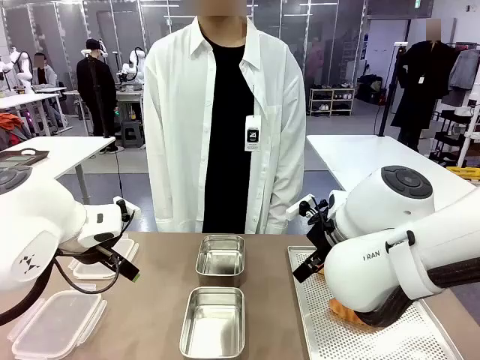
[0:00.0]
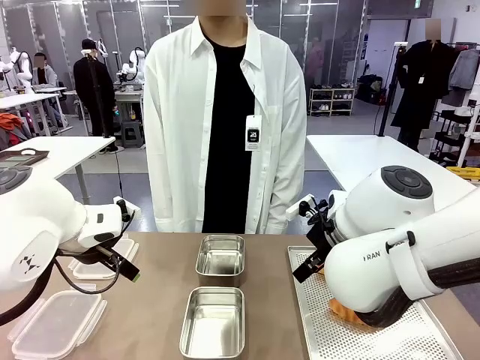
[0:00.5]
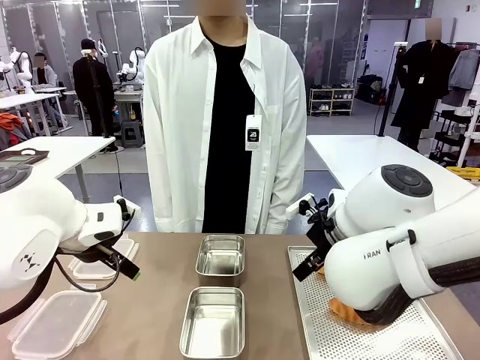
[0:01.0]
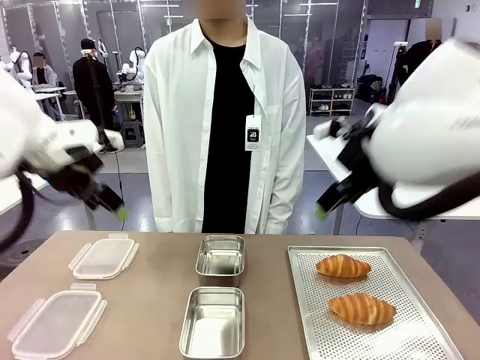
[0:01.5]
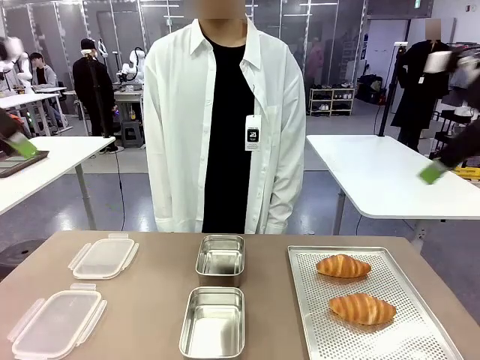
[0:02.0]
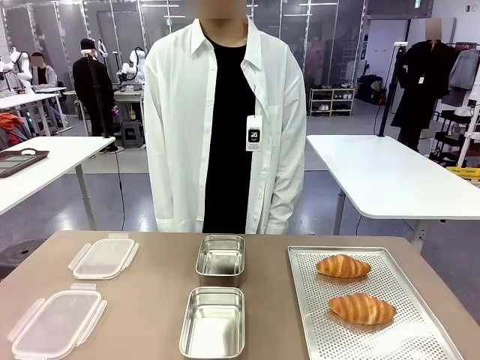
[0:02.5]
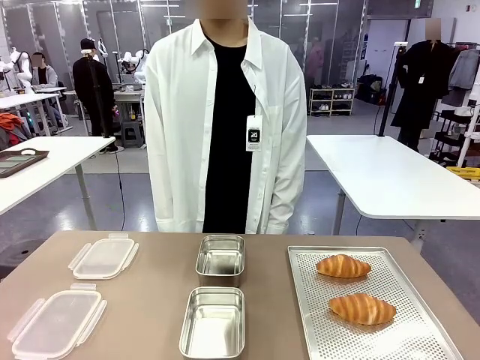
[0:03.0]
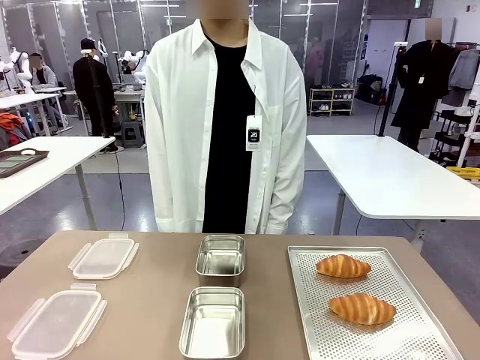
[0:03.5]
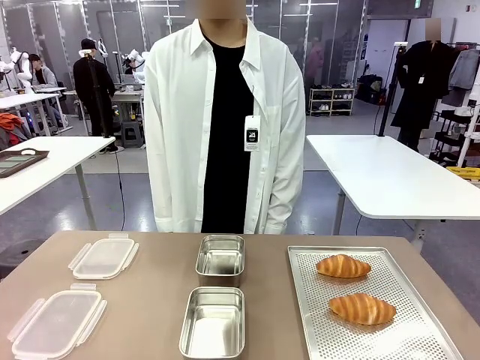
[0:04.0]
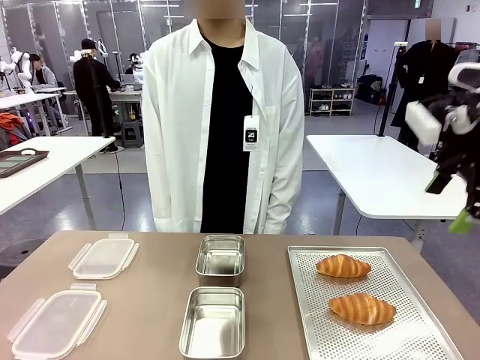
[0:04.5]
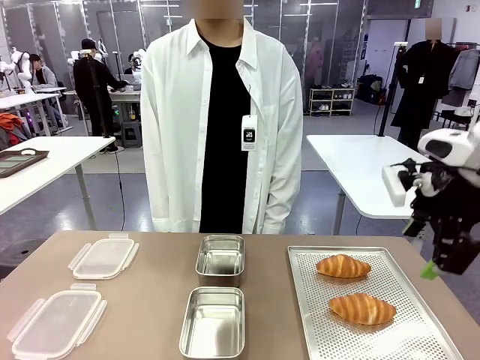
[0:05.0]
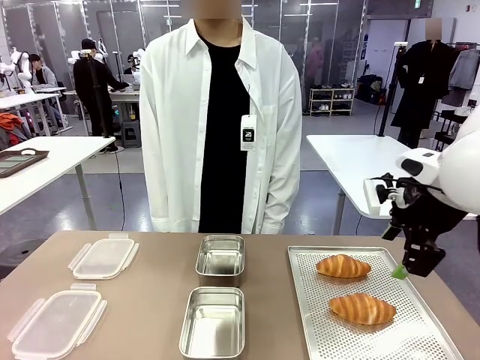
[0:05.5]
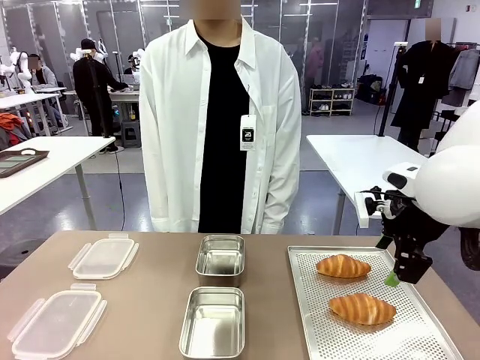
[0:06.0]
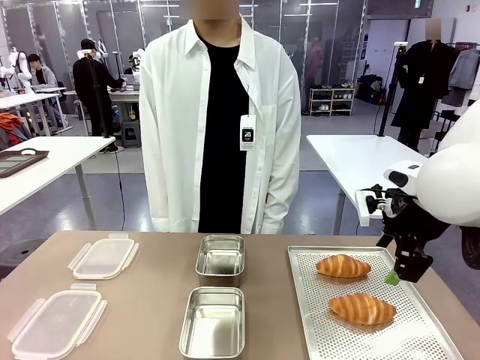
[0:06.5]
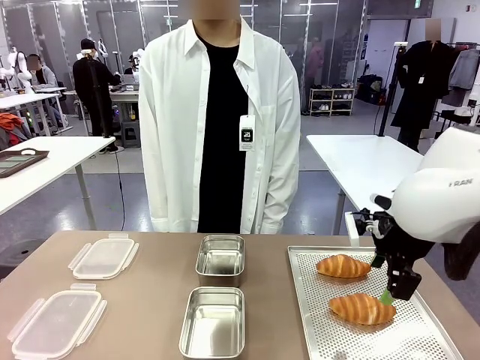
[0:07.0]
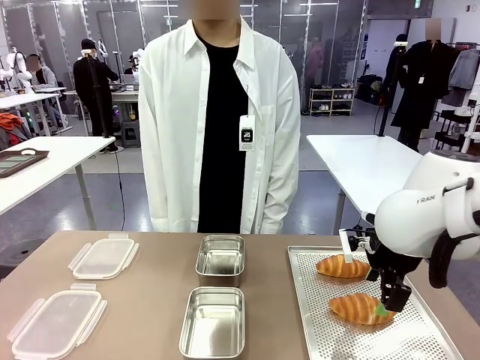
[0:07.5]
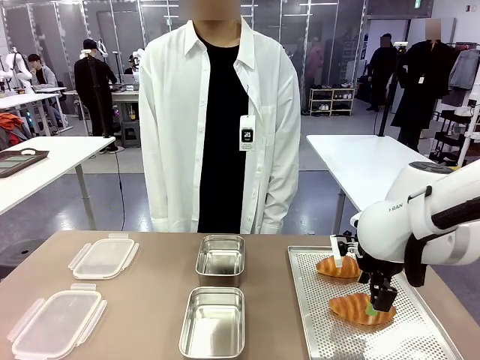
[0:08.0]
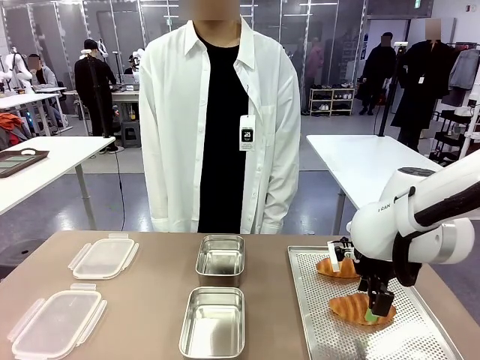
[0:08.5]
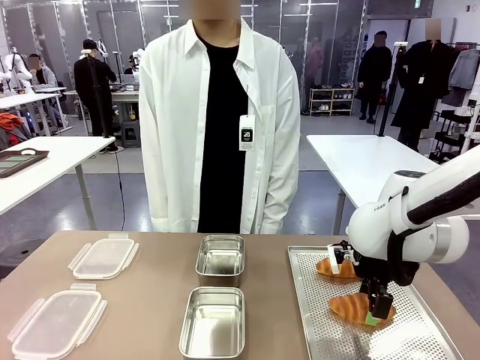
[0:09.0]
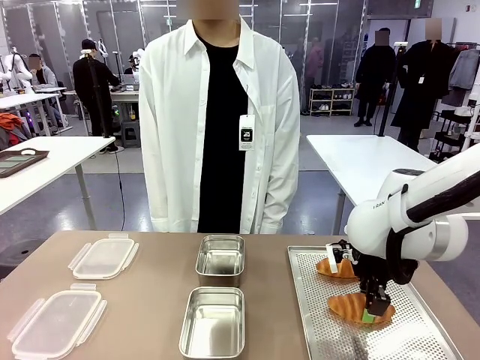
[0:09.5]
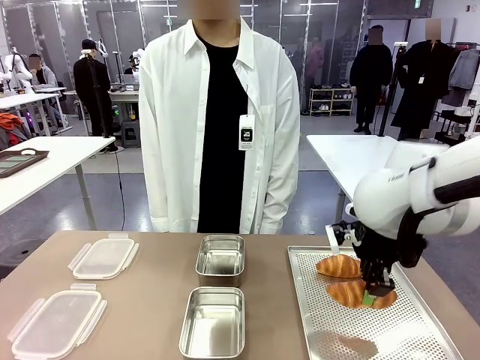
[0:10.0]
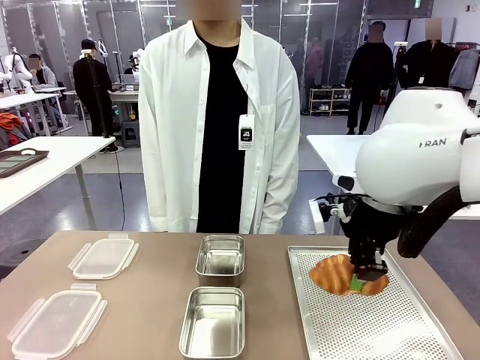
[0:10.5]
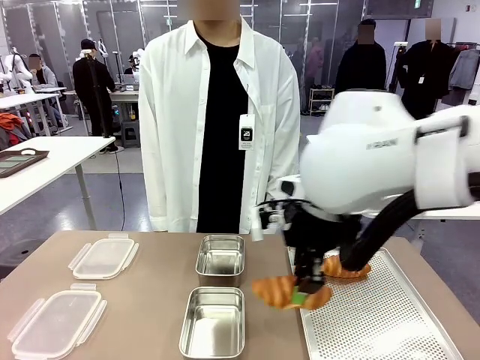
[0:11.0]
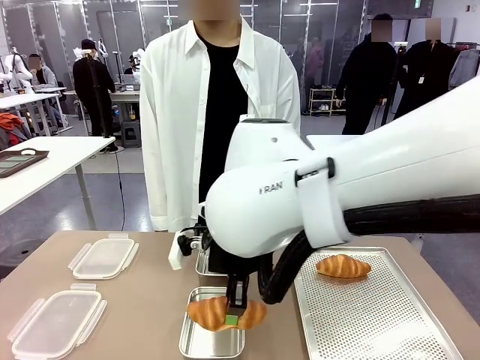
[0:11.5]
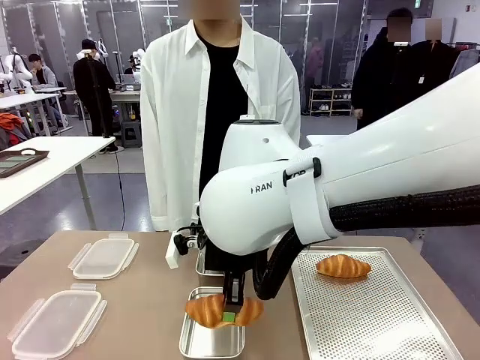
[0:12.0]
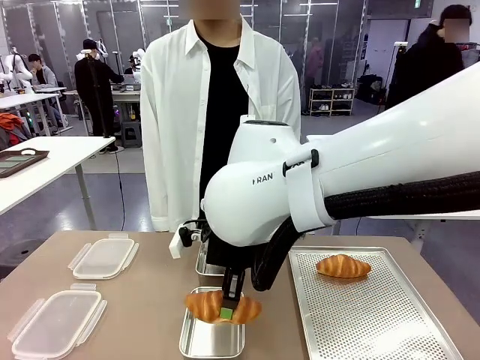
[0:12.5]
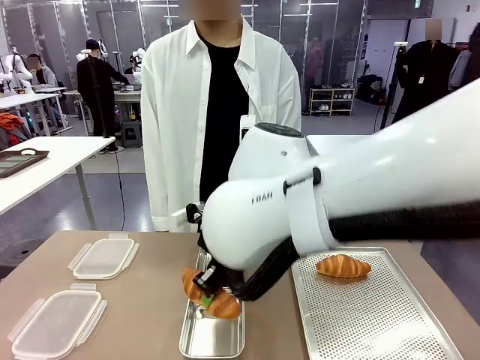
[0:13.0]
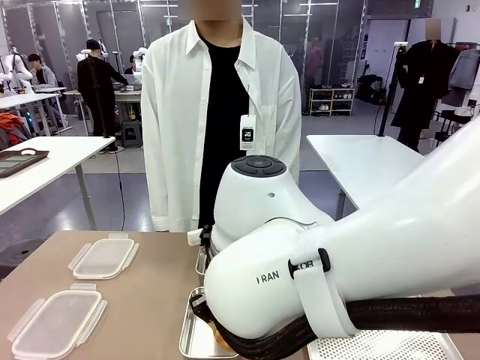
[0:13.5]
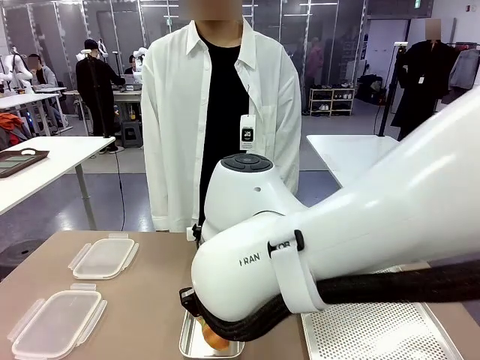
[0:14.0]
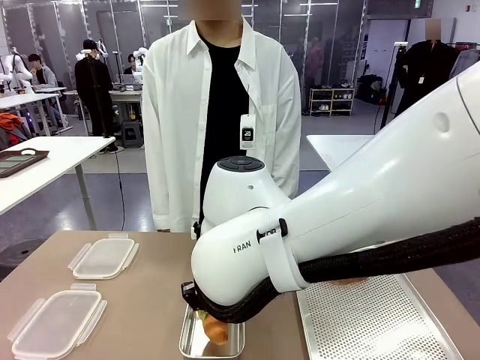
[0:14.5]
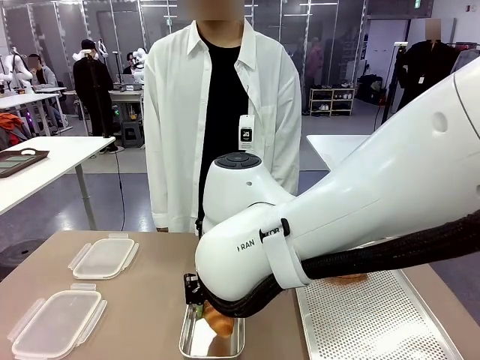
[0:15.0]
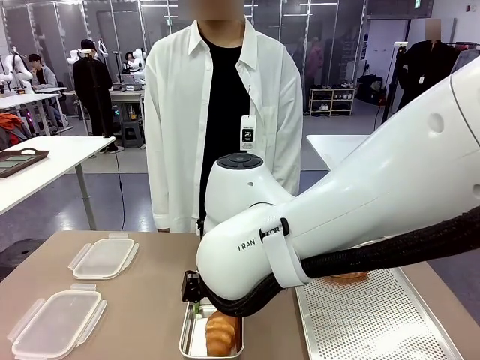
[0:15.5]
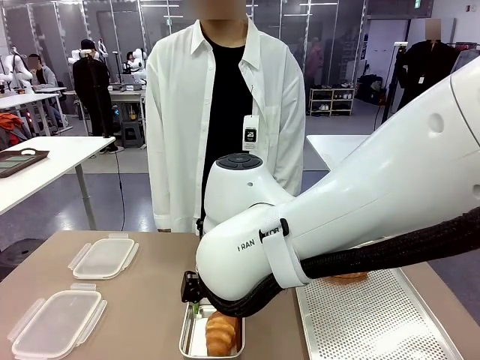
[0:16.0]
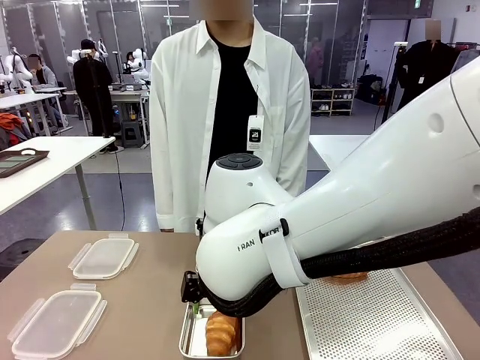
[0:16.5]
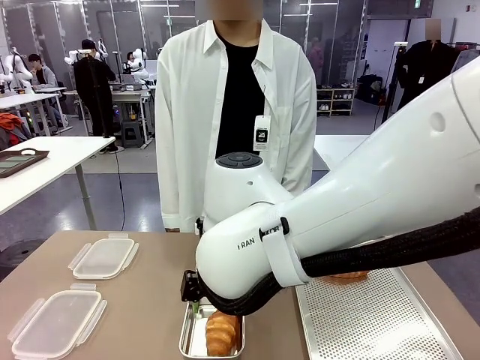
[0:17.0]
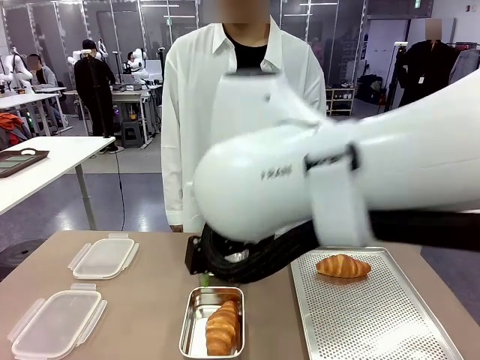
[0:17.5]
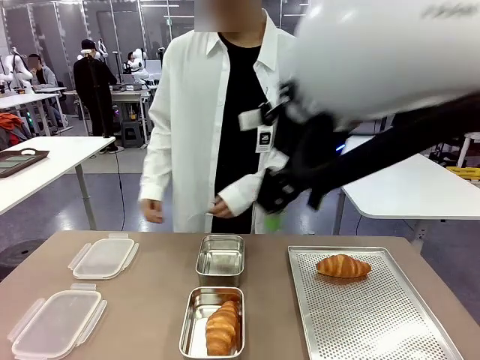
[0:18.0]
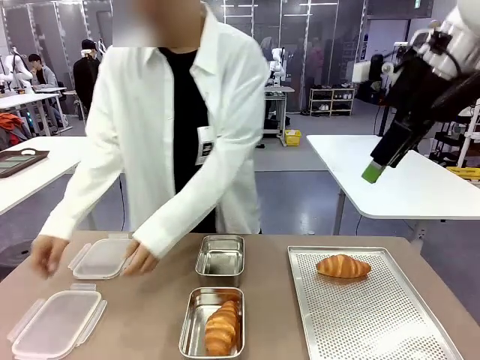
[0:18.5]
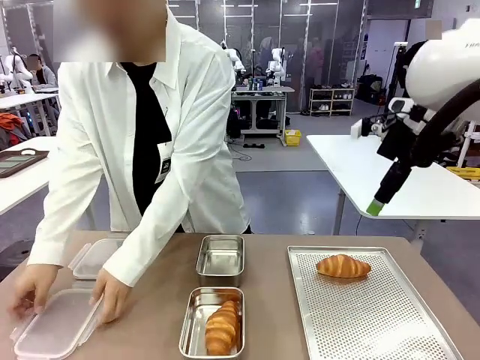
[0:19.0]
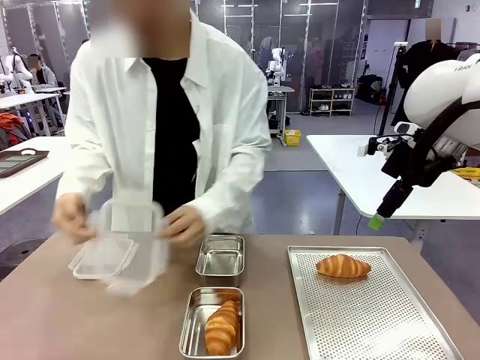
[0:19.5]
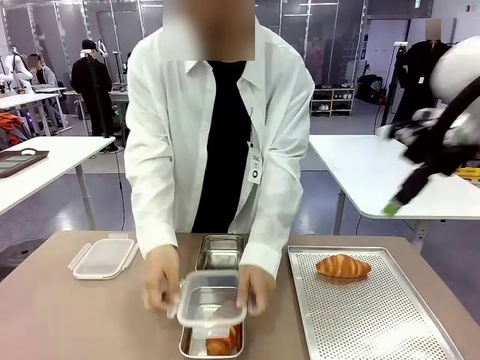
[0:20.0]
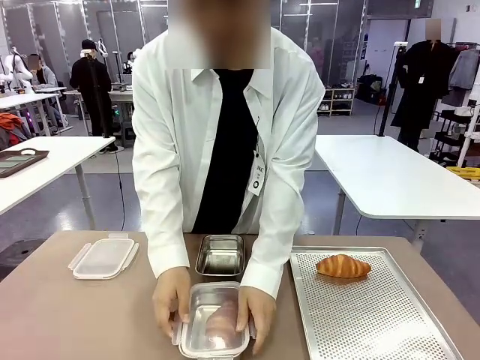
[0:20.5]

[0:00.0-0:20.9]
Task: Place the bread into the airtight container.
Robot: Pick up a Butter Roll and place it into an empty Airtight Container.
